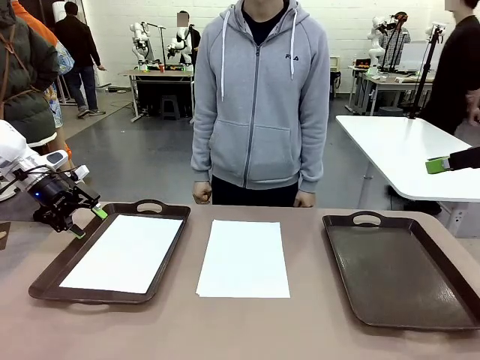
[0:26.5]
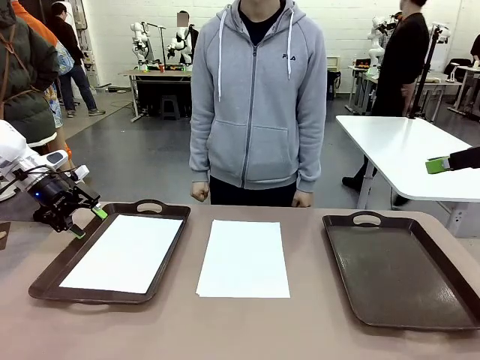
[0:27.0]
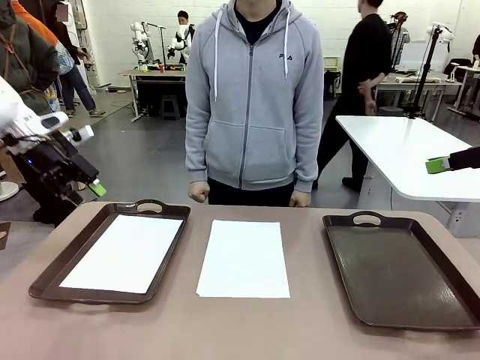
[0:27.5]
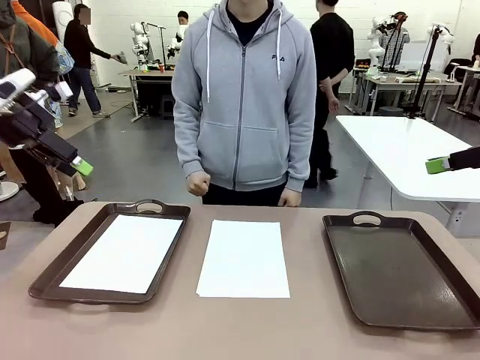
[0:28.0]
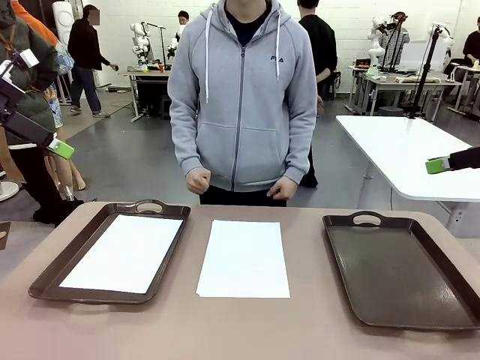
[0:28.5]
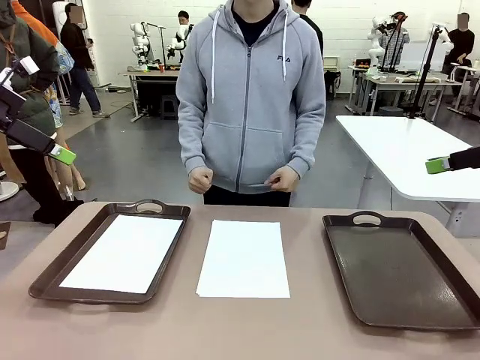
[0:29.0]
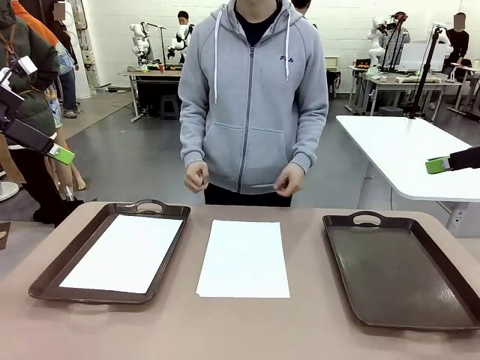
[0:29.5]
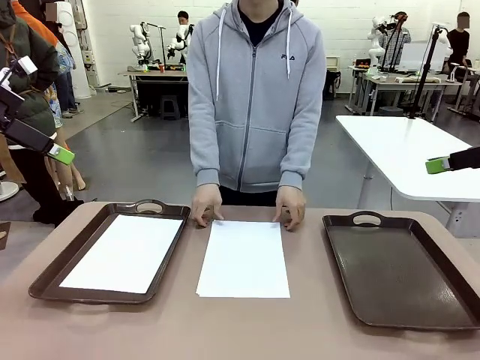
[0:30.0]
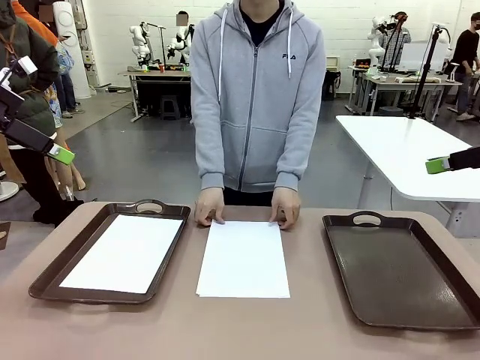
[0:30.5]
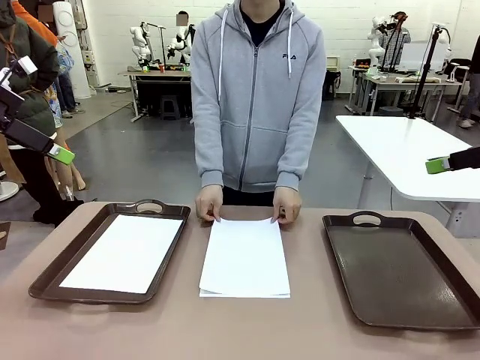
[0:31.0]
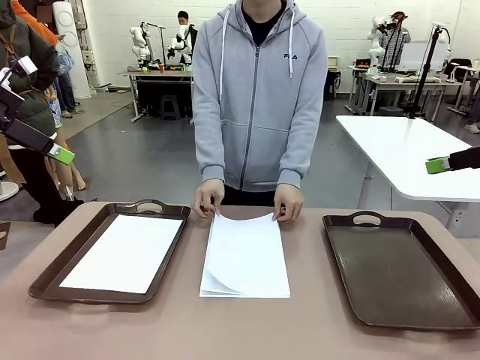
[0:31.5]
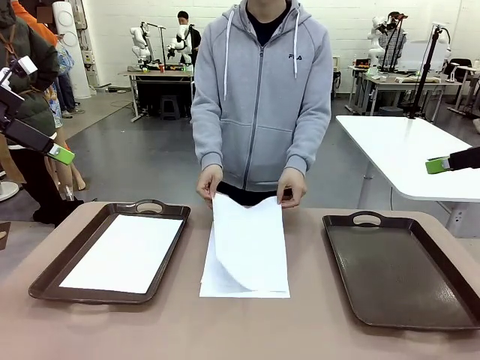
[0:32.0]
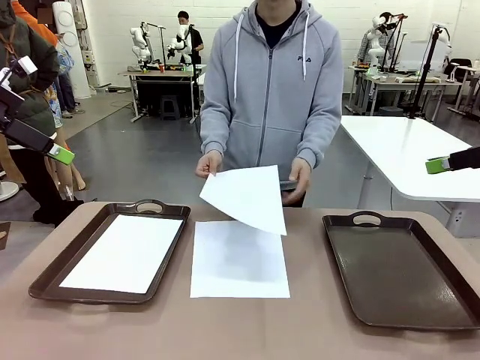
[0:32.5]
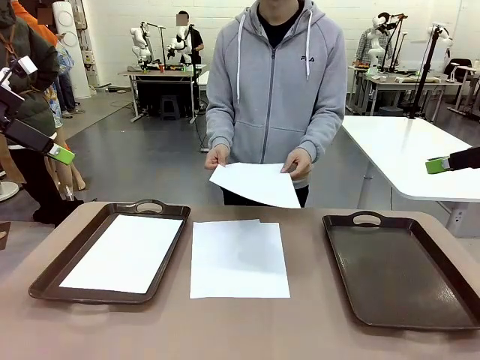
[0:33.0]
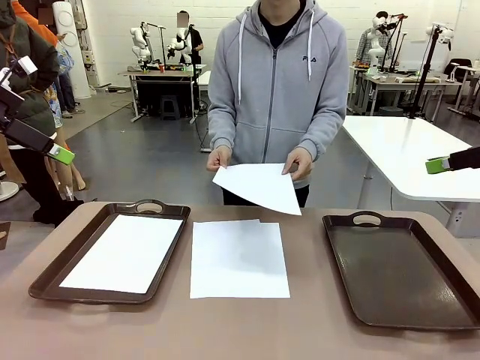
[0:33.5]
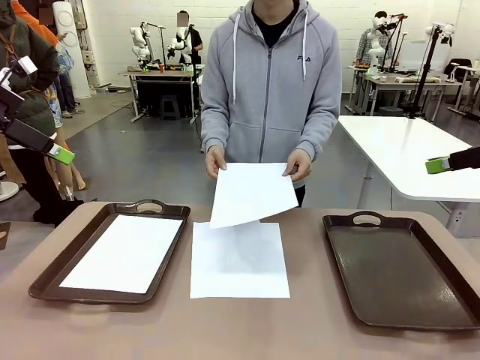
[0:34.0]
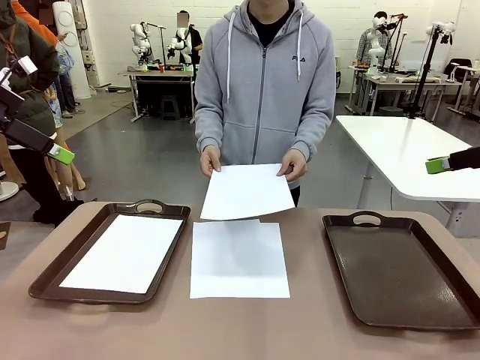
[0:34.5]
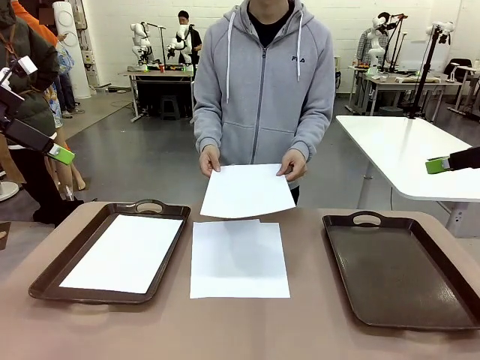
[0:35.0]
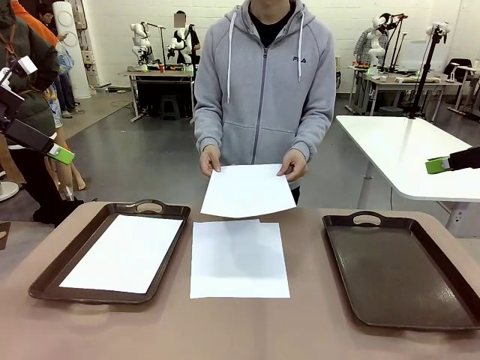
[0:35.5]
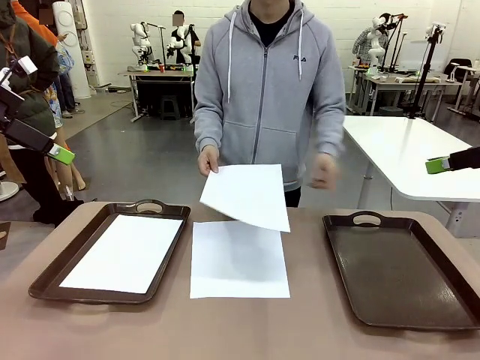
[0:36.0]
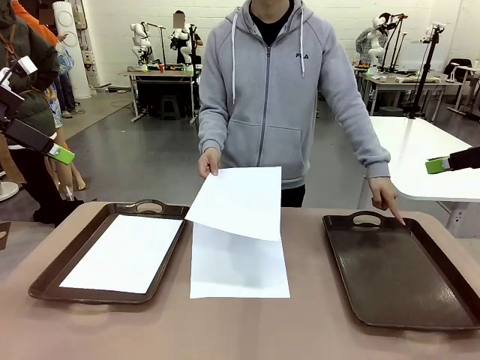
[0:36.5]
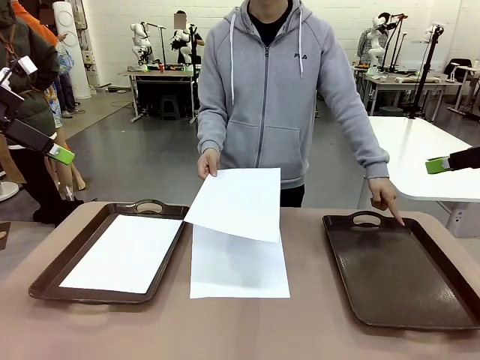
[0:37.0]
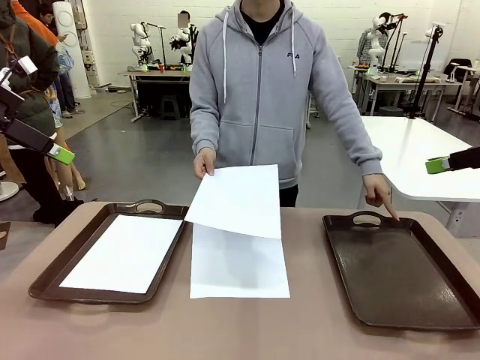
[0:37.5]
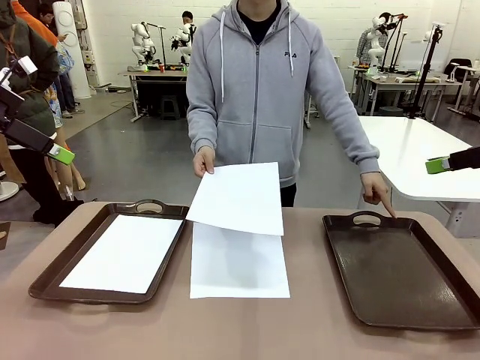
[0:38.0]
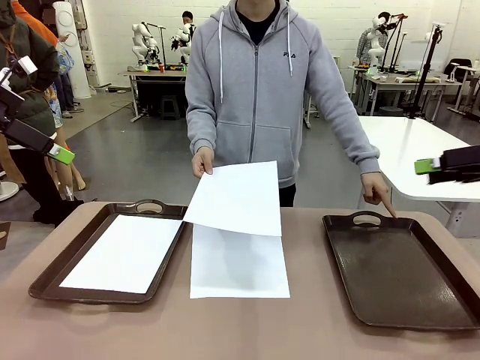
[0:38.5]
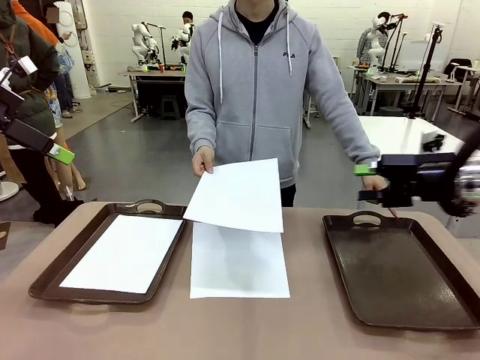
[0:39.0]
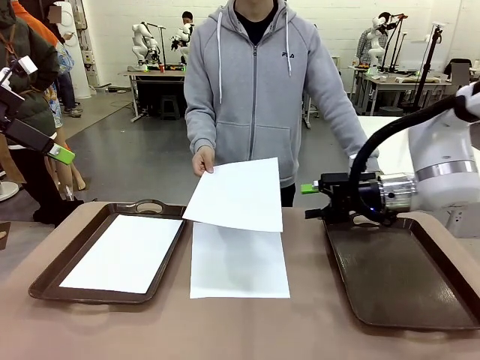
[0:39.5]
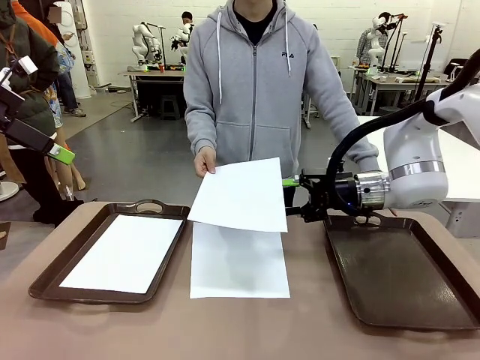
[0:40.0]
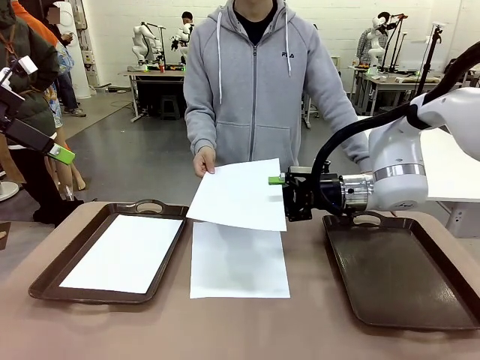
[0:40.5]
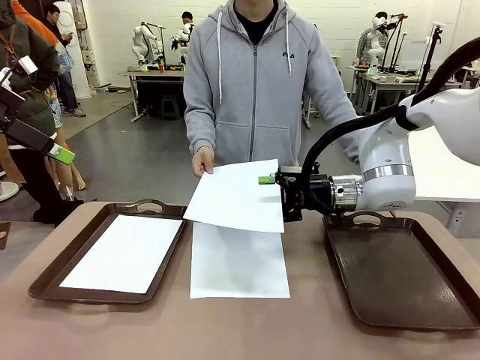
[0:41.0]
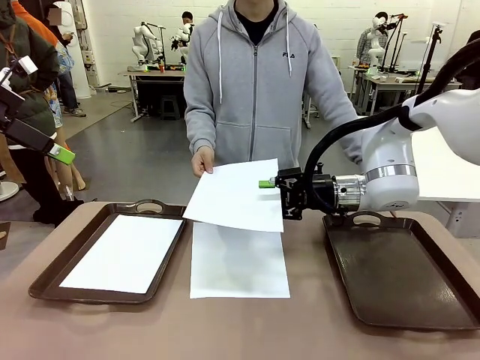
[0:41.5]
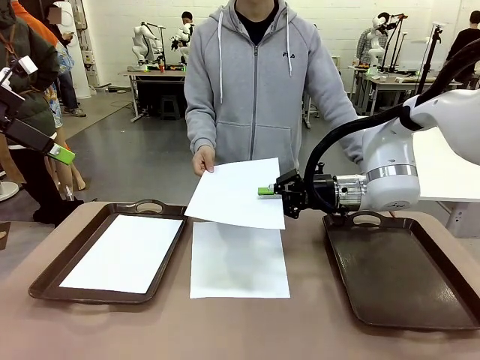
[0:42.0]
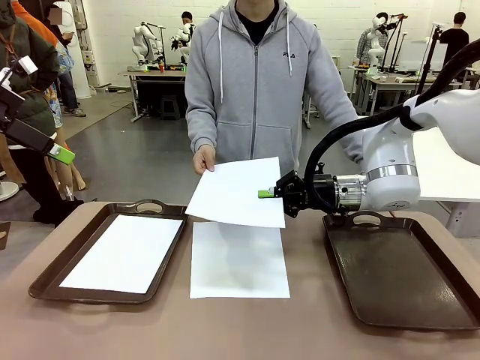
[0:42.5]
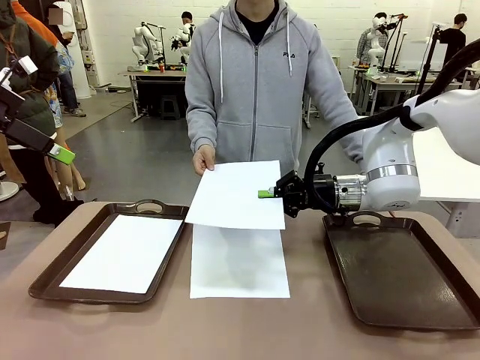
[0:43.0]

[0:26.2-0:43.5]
Task: Sort the A4 documents.
Robot: Receive the A4 Paper.
Person: Point the randomly selected tray with the other hand.
